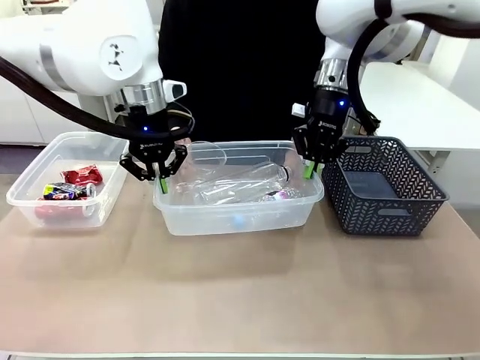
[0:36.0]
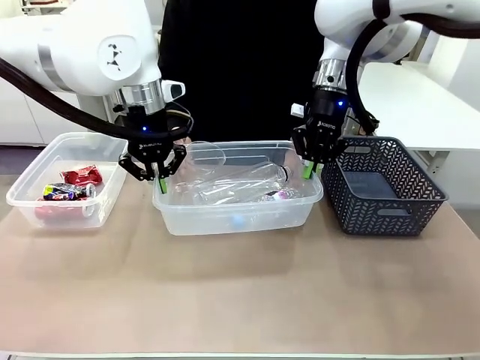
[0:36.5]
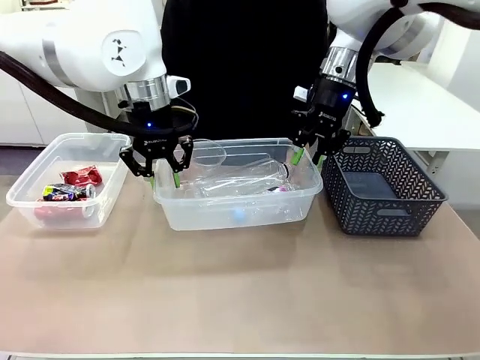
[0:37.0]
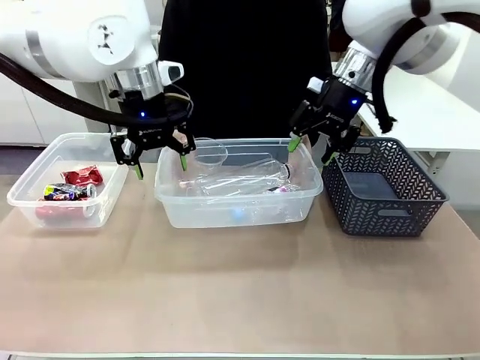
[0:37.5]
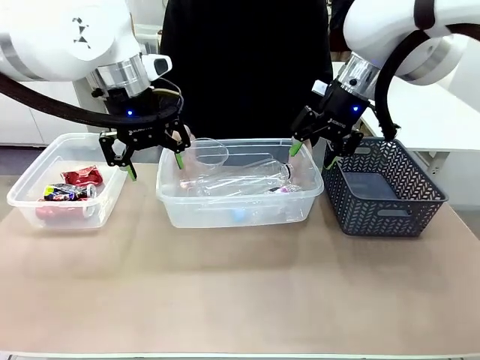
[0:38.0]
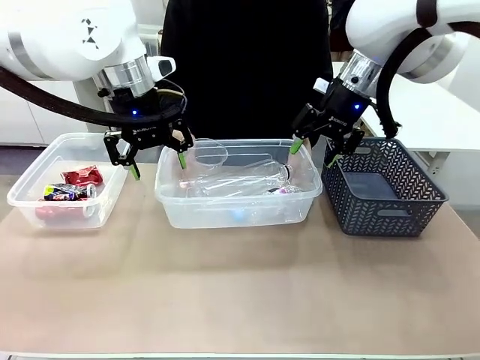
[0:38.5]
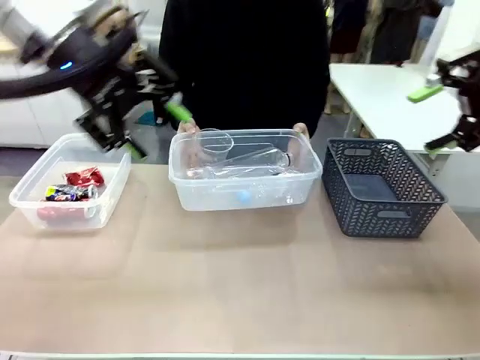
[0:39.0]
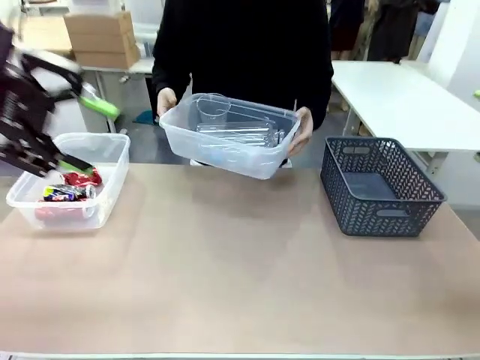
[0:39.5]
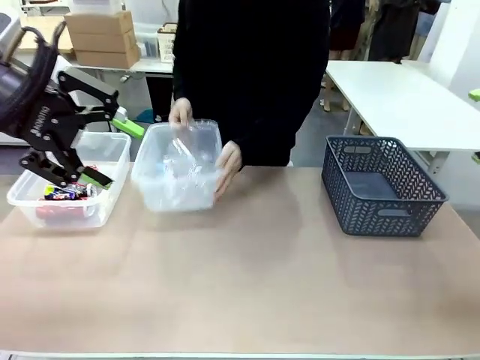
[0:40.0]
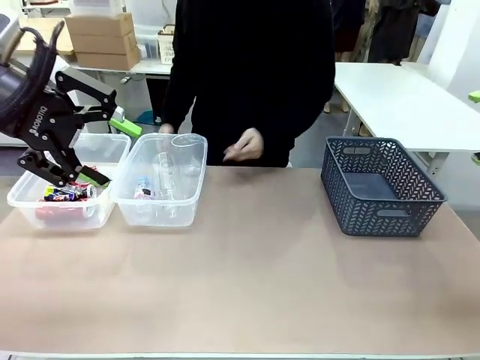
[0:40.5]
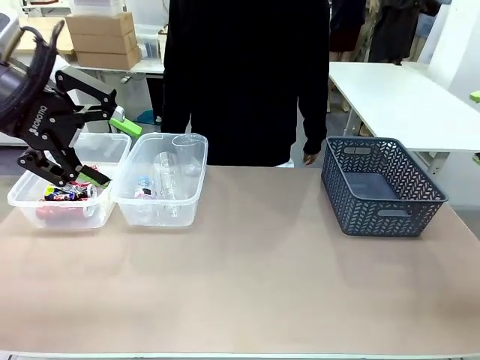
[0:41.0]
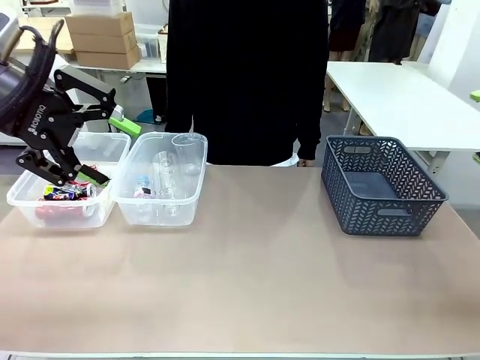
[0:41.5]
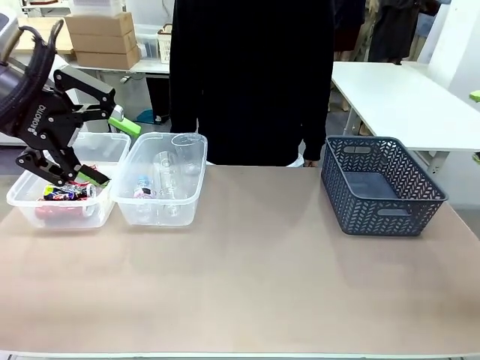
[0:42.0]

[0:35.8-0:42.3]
Robot: Release the Organizing box you were holding.
Person: Pick up the organizing box extended by the robot. Place the organizing box to the left of the sorting box containing the can waste.

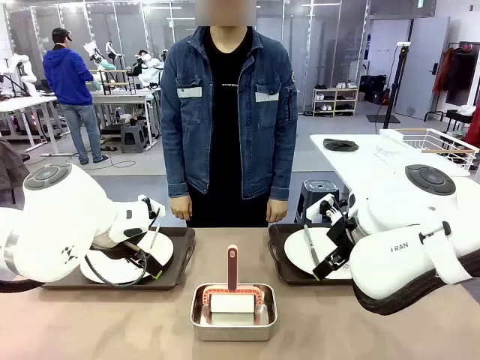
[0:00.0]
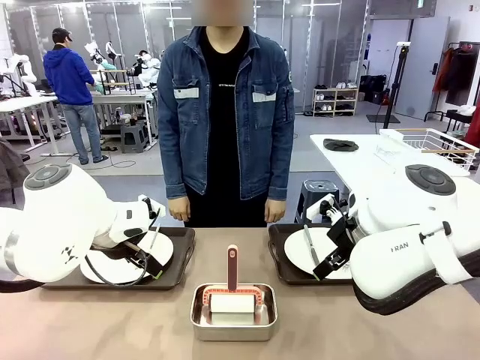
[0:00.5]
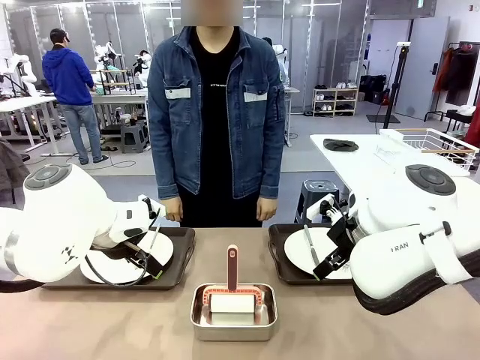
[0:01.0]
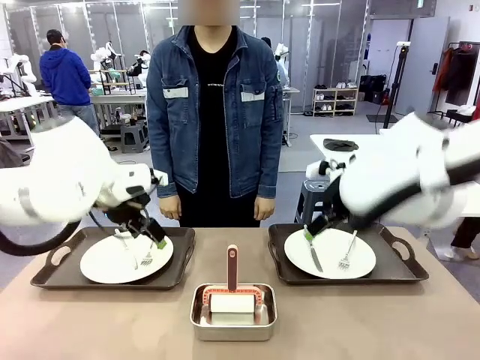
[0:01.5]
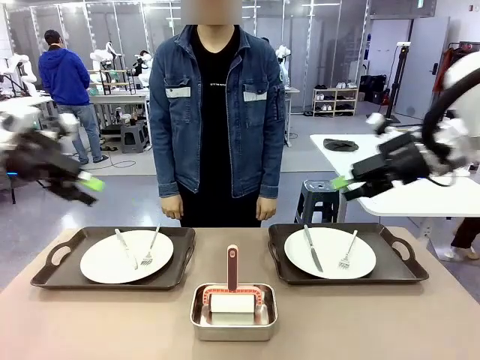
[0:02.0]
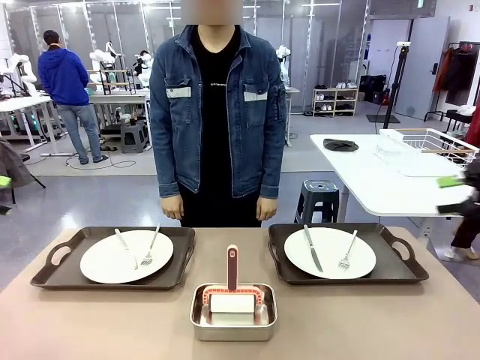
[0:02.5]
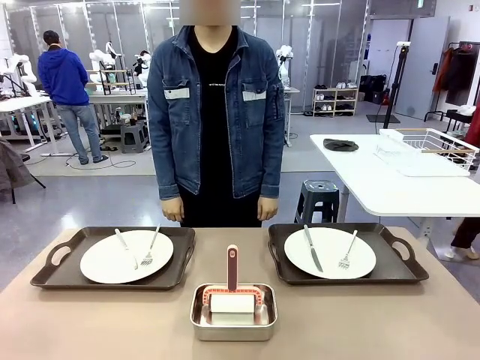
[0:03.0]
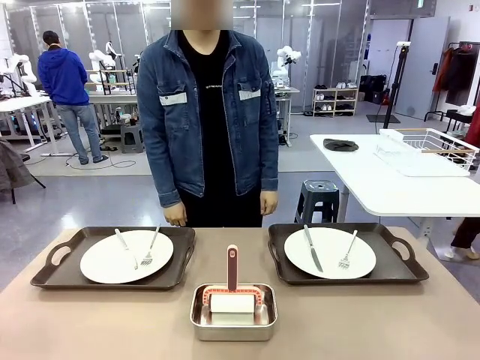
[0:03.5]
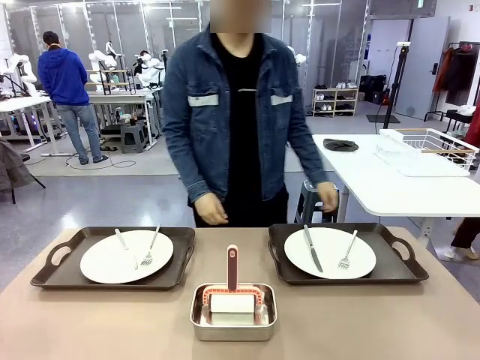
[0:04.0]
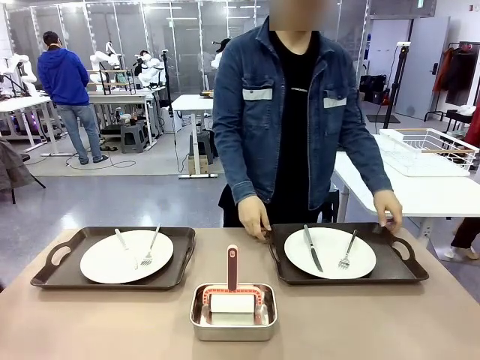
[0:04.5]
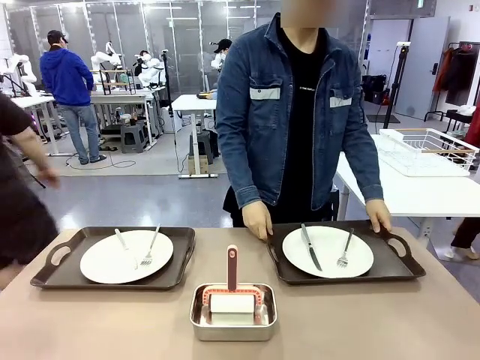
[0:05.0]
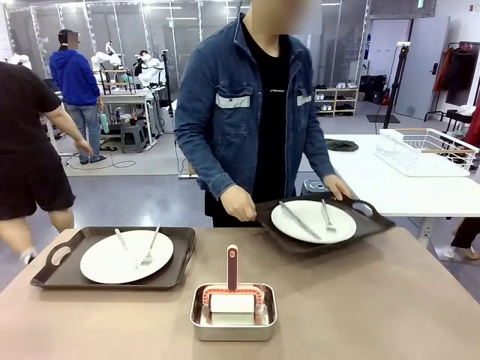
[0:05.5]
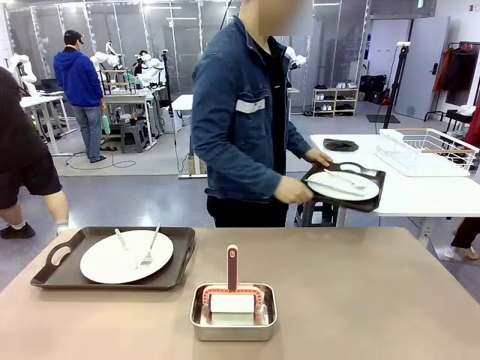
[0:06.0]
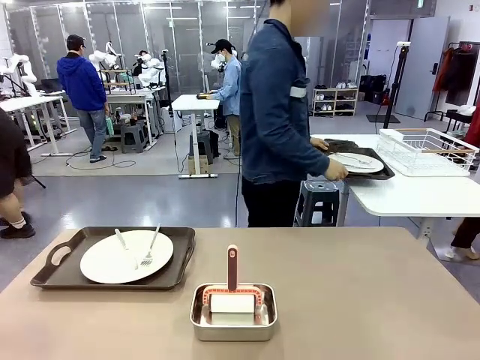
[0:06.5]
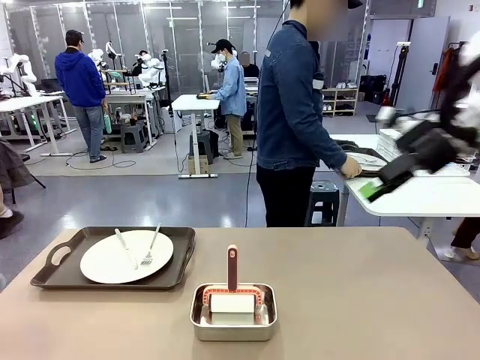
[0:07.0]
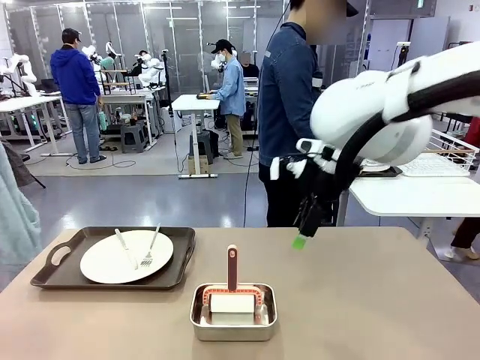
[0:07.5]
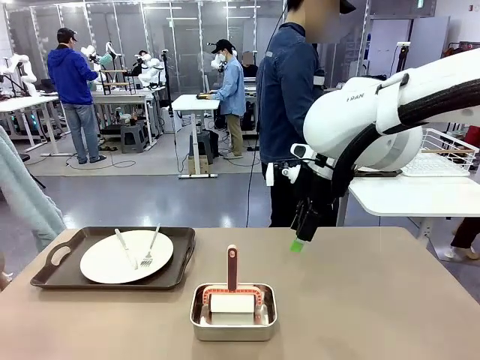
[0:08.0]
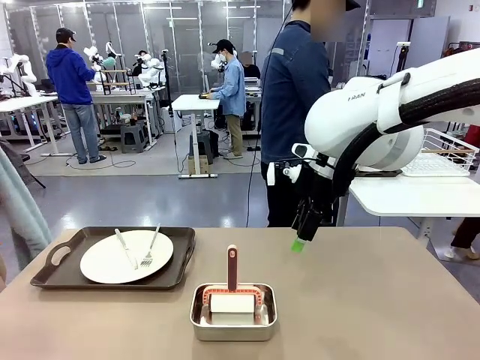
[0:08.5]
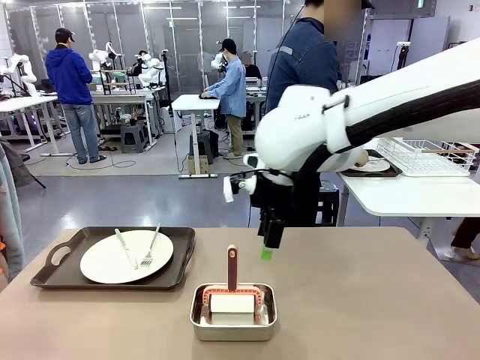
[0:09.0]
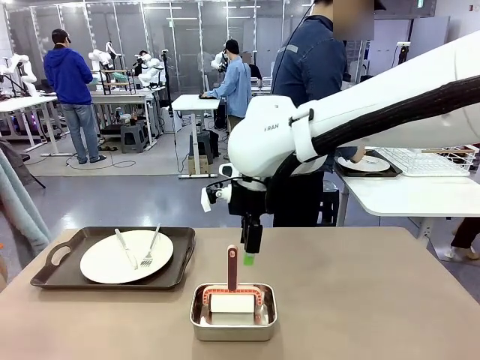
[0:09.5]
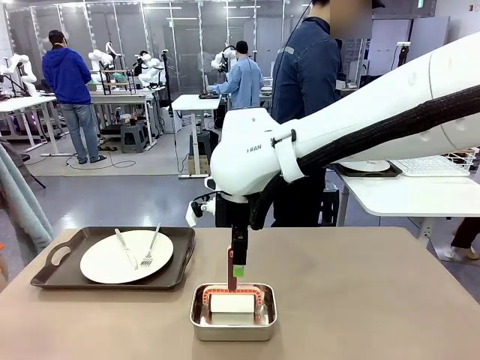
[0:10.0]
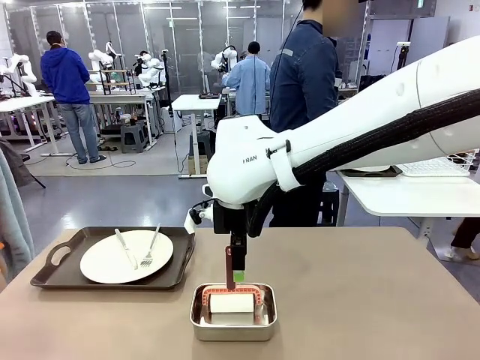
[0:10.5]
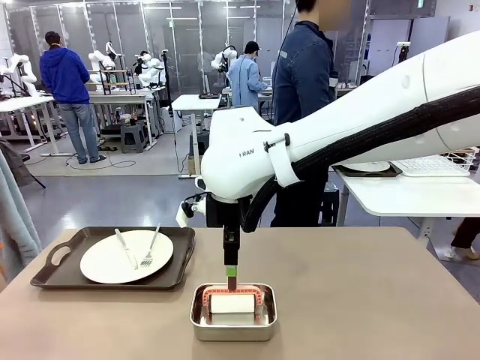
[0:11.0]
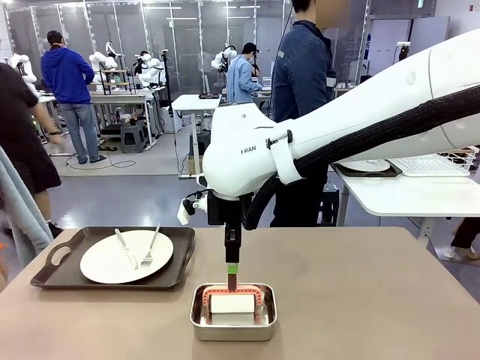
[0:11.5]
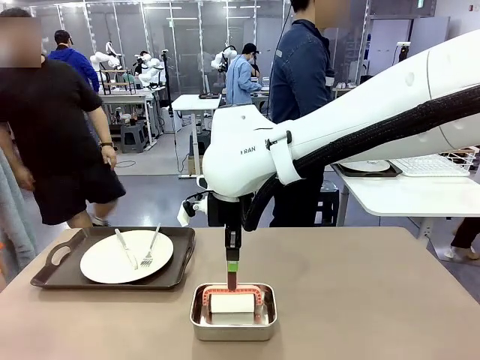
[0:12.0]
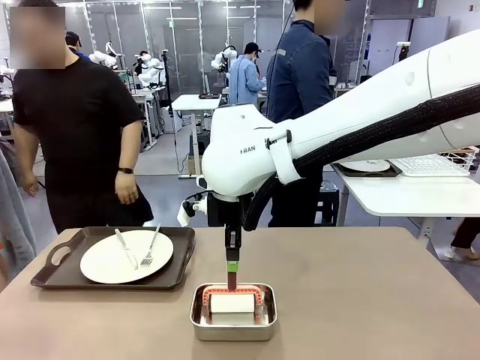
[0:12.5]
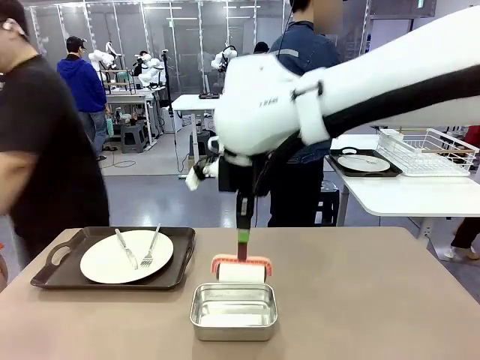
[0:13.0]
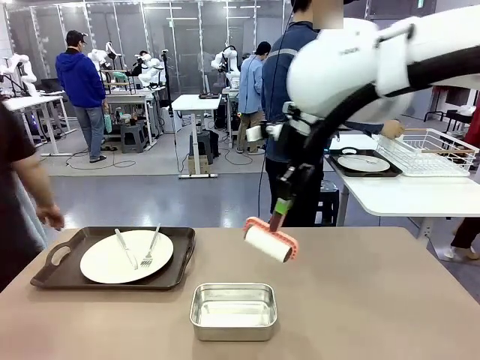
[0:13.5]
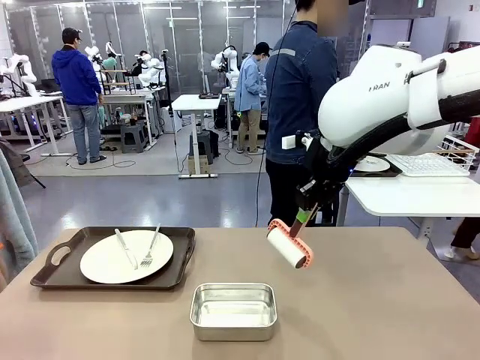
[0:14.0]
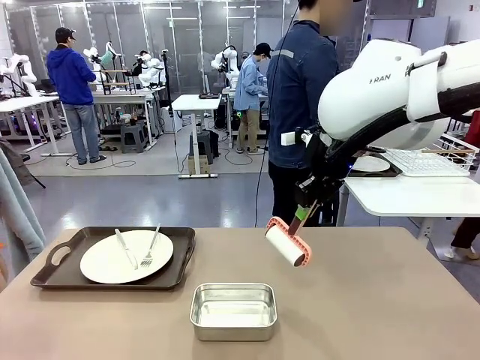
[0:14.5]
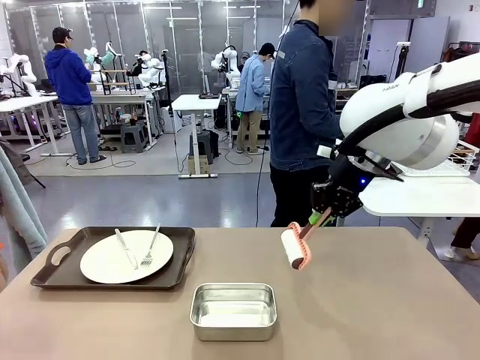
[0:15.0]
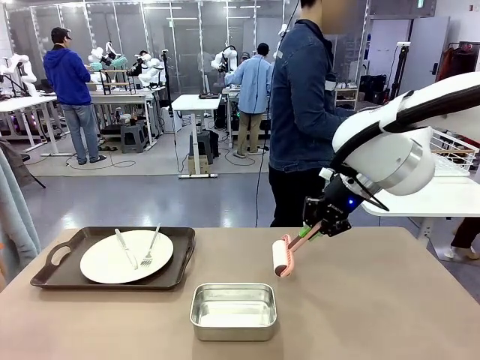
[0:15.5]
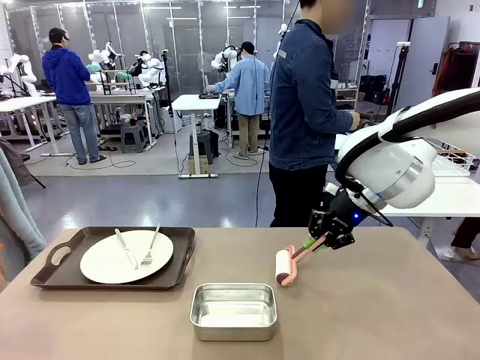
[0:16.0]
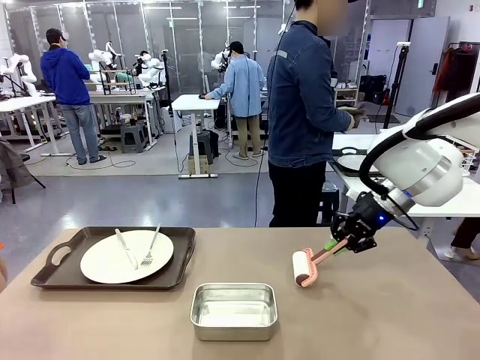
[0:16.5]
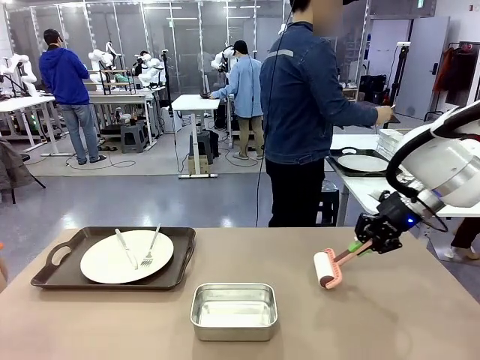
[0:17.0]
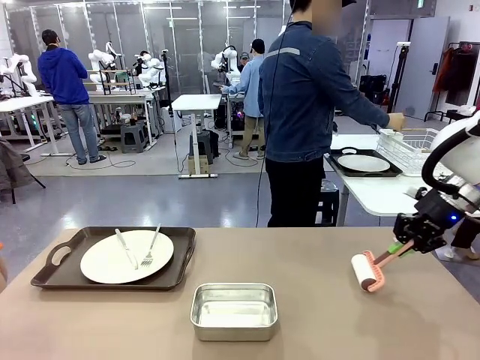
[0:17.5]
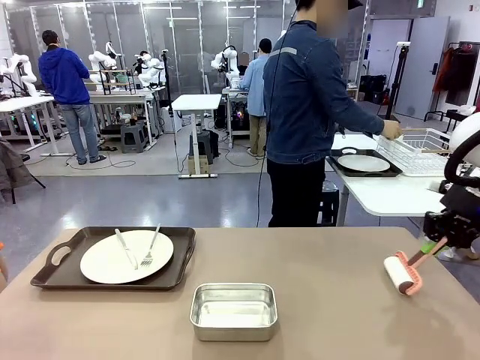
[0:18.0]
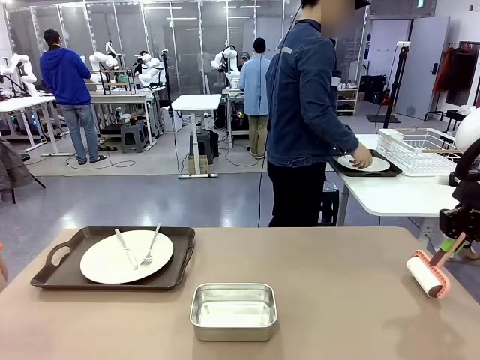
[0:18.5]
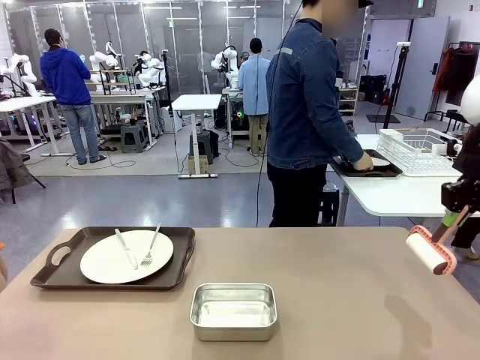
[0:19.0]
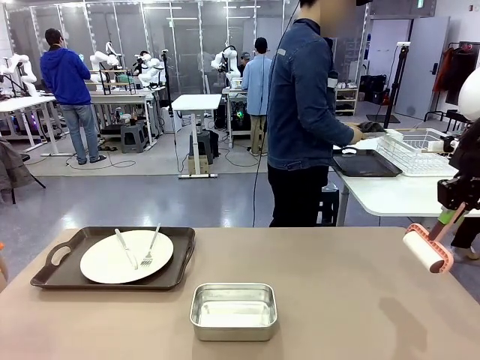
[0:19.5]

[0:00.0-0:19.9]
Robot: When the left (or right) Handle tray is removed, use the left hand (or right hand) to clean the left (or right) side of the table with the Lint Roller.
Person: Pick up the left (or right) Handle tray and place it on the middle of the Human's table. Use the Towel with hook to wipe the Plastic Matte Plate , Fork , and Knife and place into the Dish drying rack.
